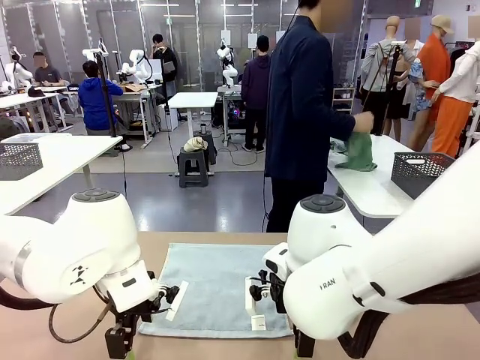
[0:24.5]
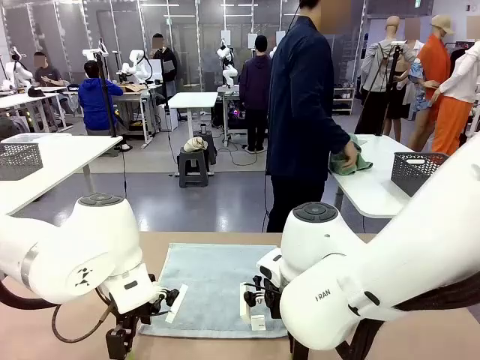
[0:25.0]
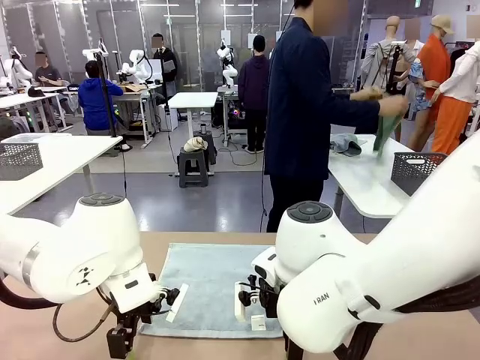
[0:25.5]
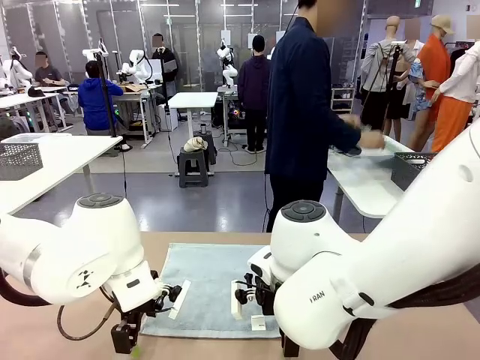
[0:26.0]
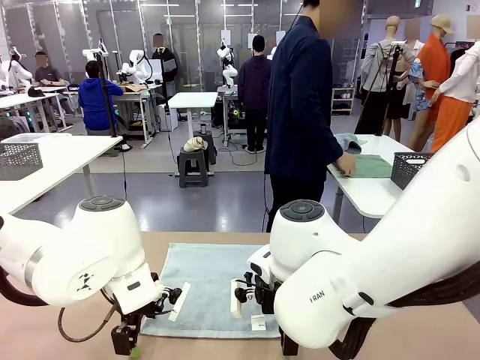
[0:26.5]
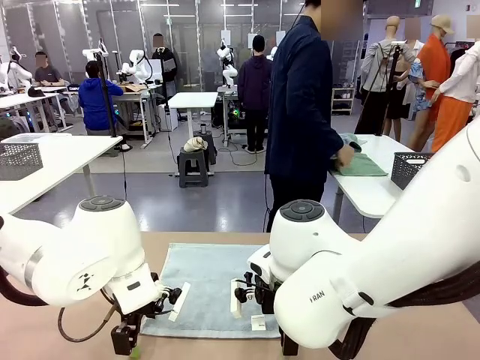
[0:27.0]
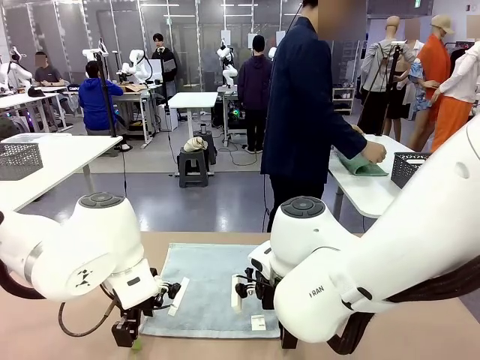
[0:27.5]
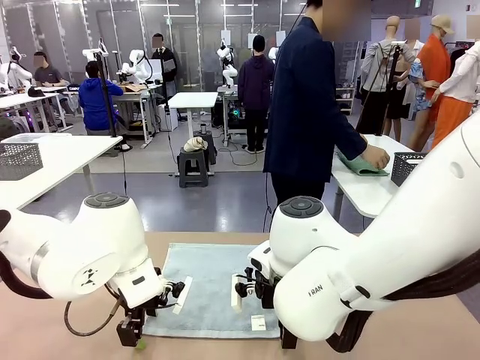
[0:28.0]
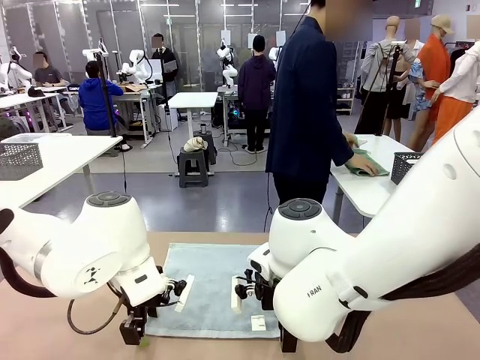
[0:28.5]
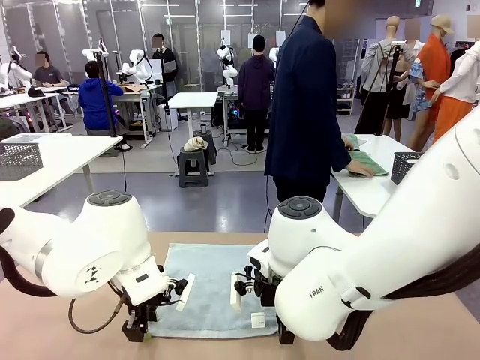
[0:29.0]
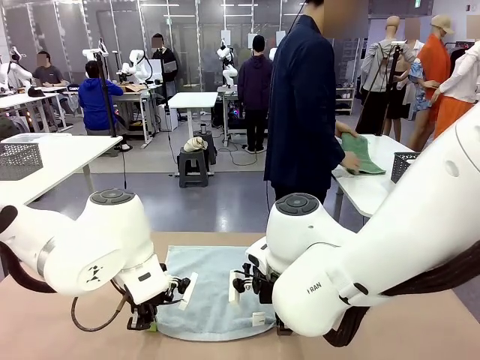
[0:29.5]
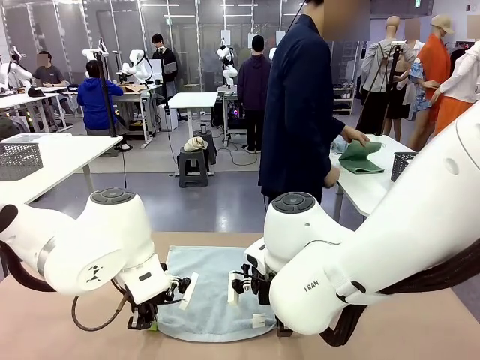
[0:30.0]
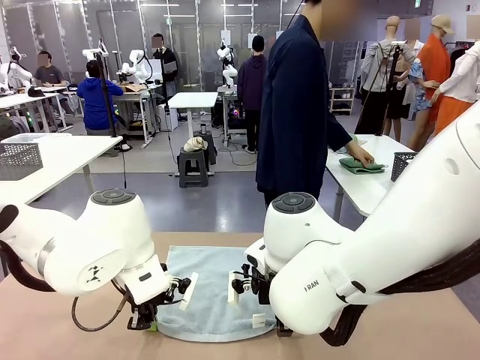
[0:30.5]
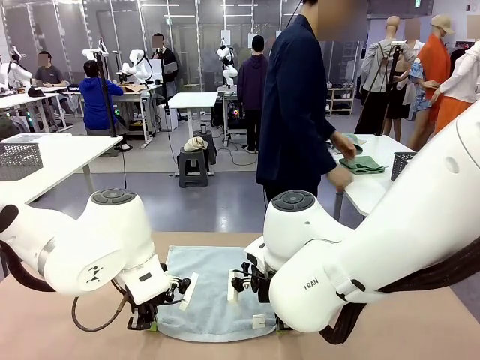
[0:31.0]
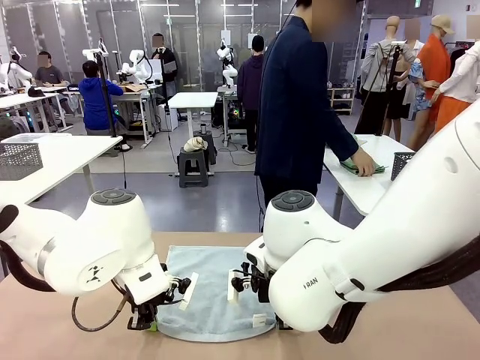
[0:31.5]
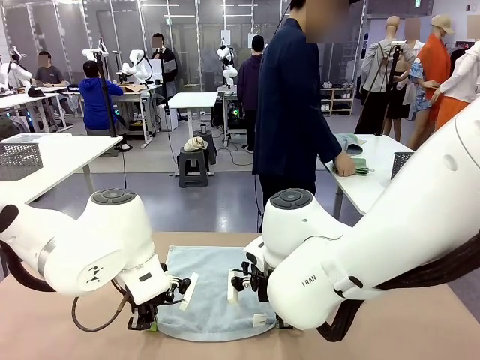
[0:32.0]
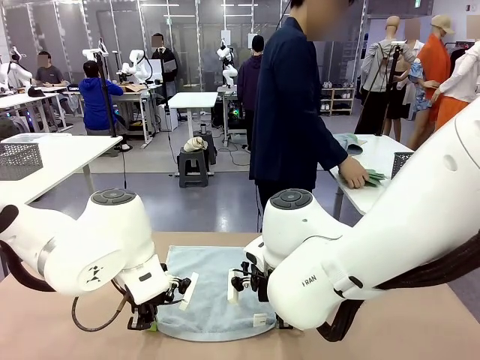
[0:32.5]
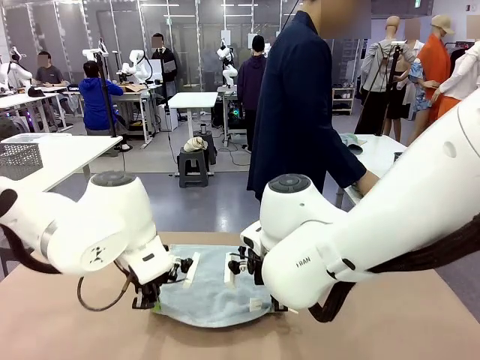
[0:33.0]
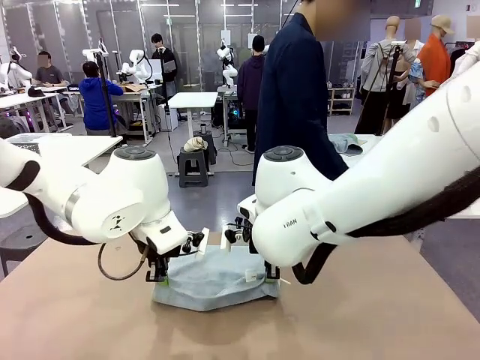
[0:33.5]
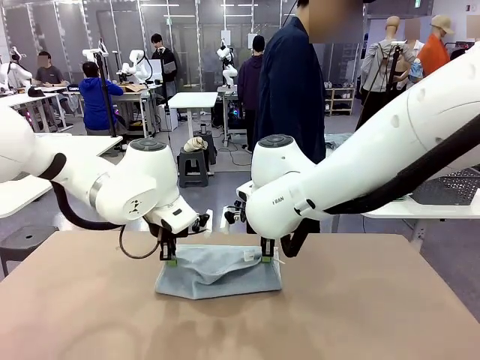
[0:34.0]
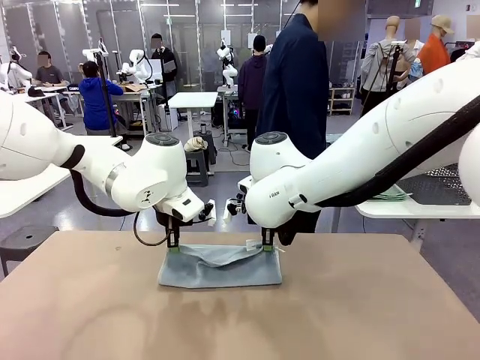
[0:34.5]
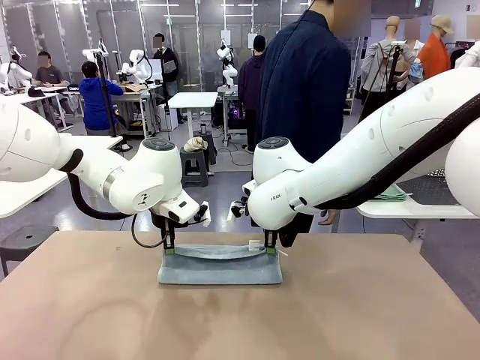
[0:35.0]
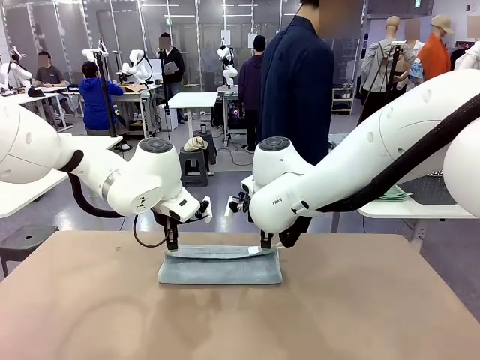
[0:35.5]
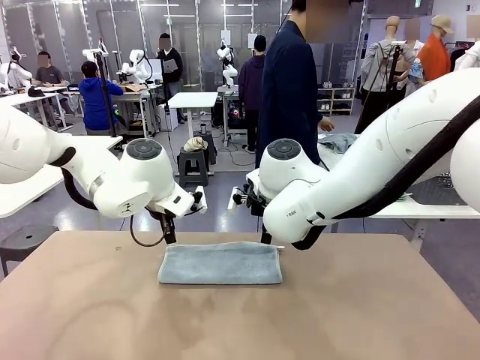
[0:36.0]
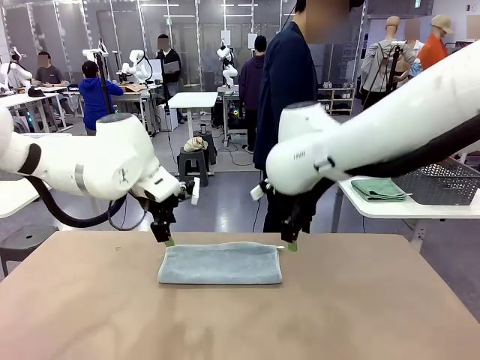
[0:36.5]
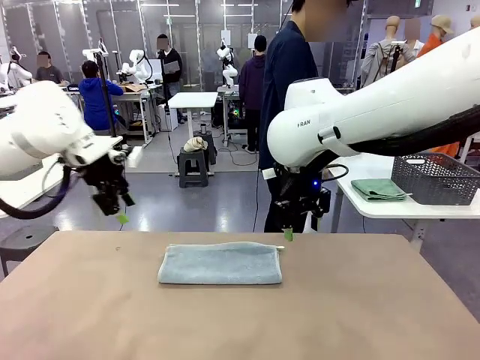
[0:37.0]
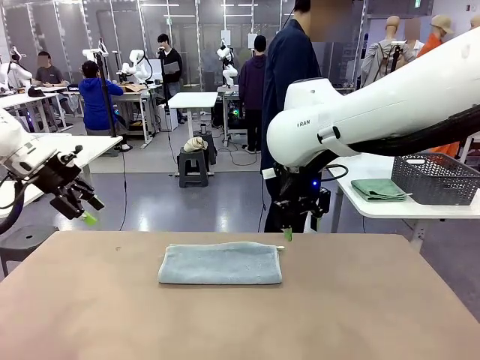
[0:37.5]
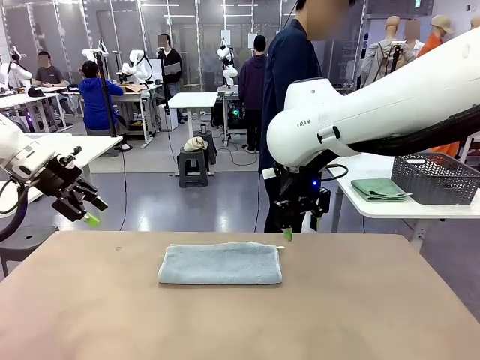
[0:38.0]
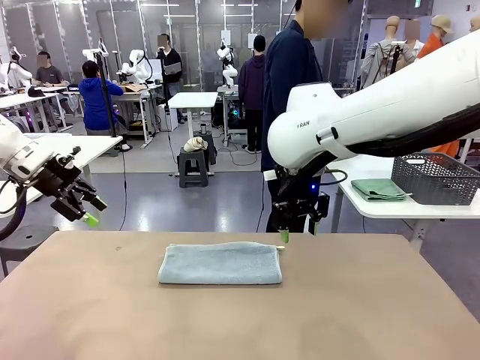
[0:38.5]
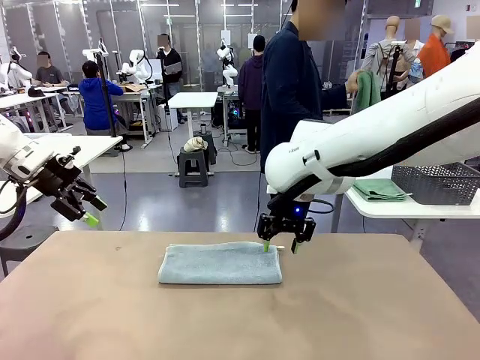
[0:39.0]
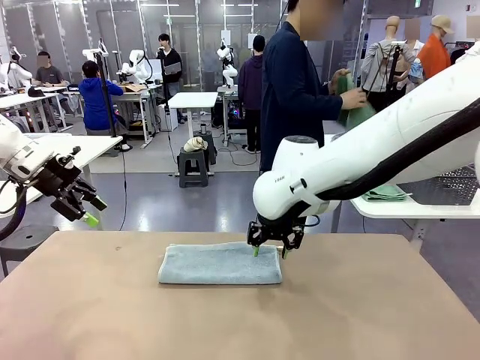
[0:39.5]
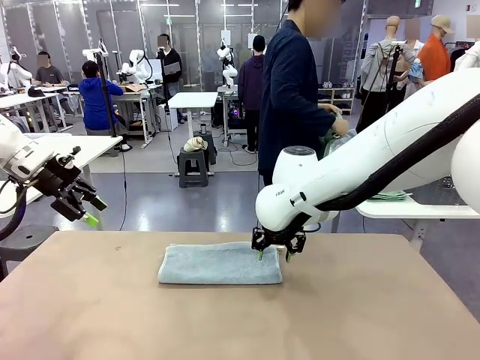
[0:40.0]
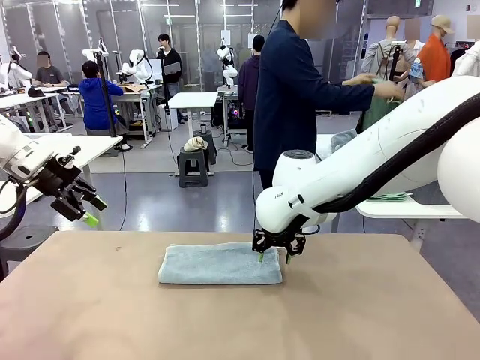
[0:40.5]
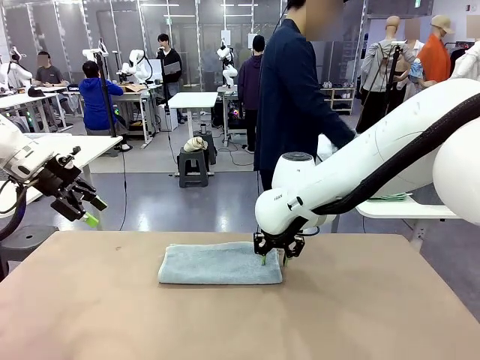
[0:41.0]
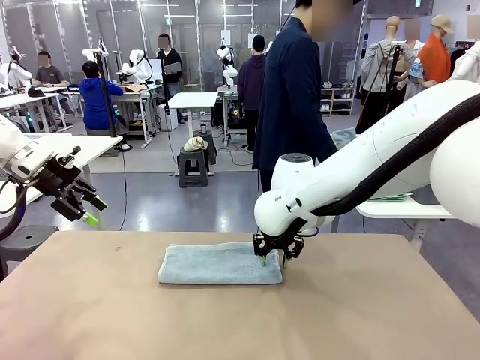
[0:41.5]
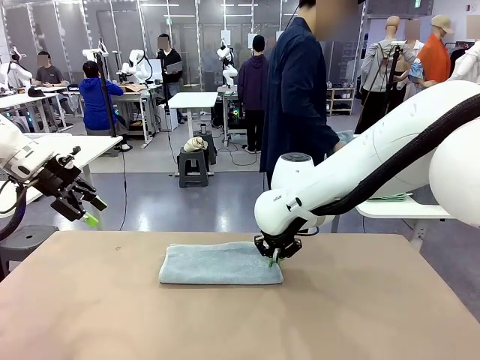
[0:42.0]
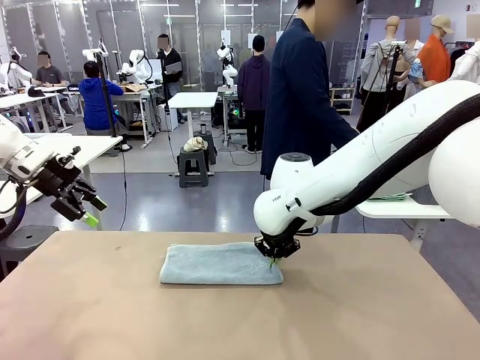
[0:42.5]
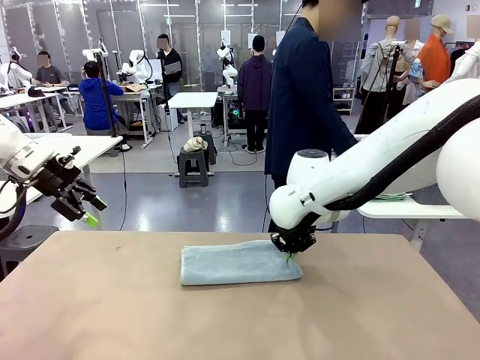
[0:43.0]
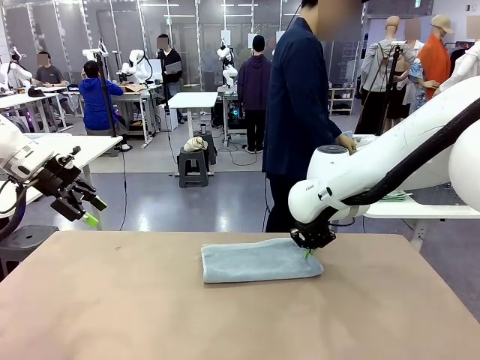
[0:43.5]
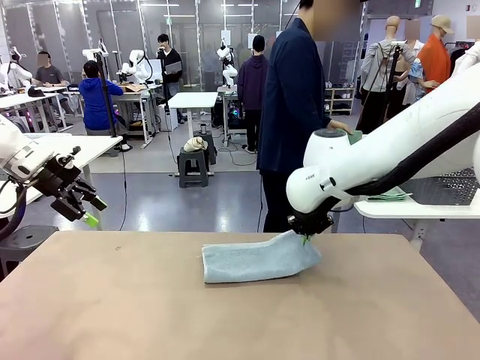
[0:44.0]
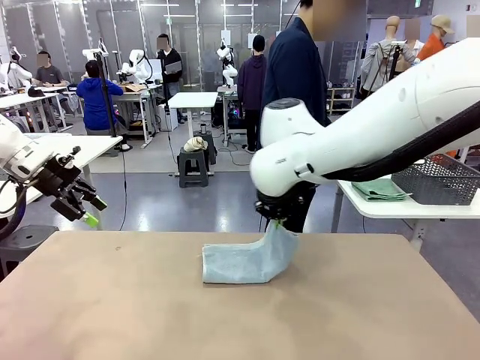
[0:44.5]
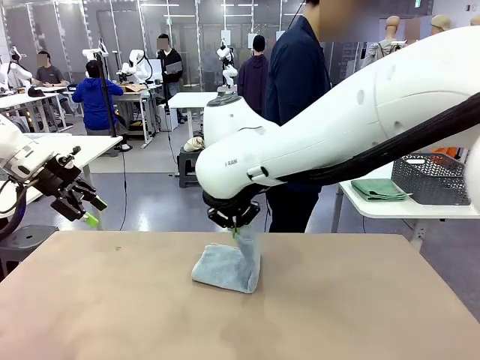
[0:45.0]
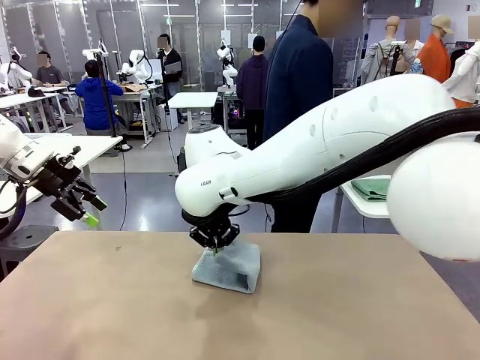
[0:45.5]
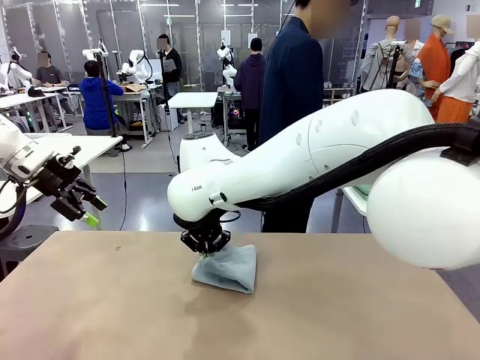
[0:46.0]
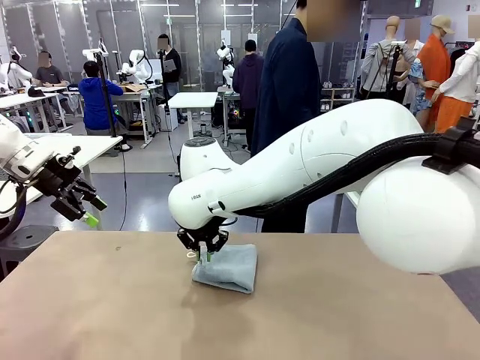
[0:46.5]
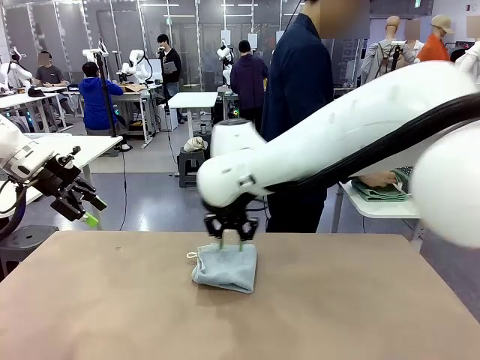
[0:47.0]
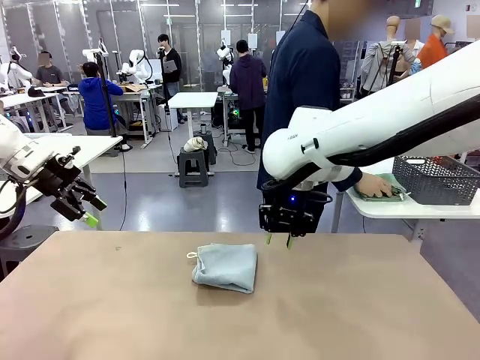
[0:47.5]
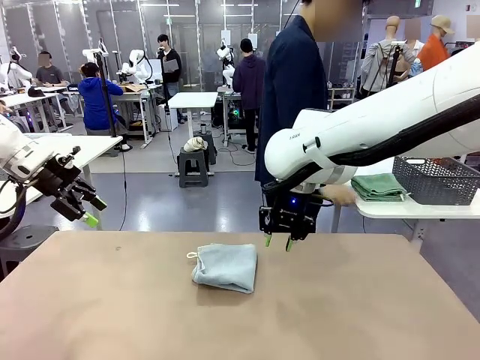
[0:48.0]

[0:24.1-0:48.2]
Task: Fold the towels and place them in the basket.
Robot: When a person lays out a Towel with hook on the table, fold it in half twice.
Person: Pick up one towel from the left side of the human table, fold it in half twice, and place it on the right side of the table. Pick up one towel from the left side of the human table, fold it in half twice, and stack it on the right side of the table.
